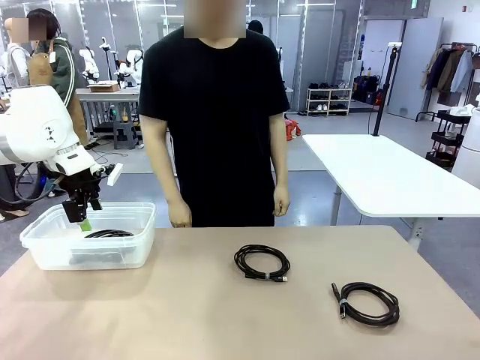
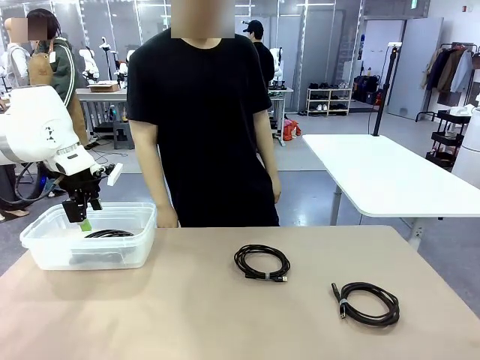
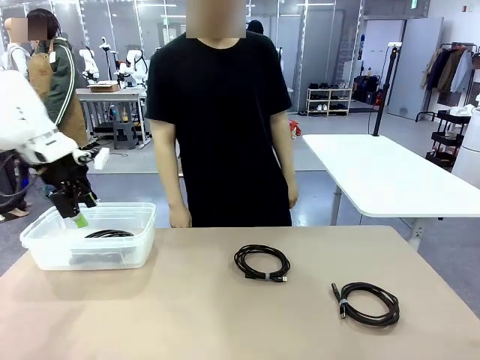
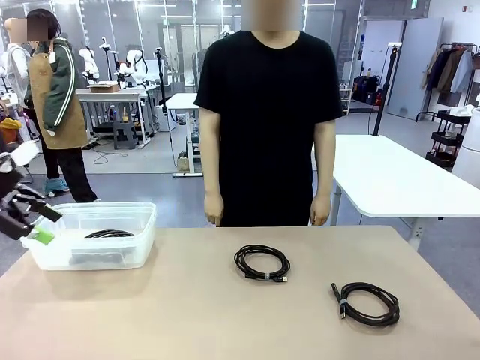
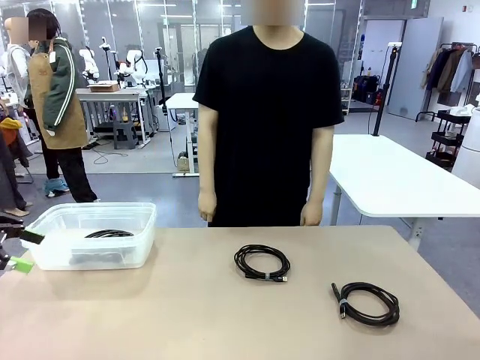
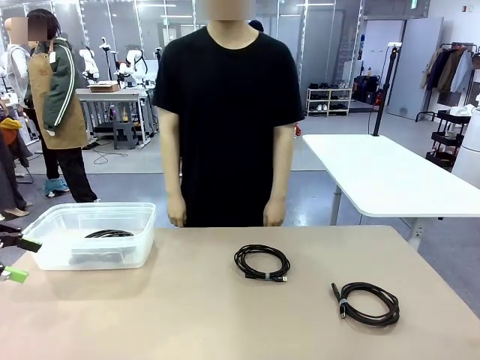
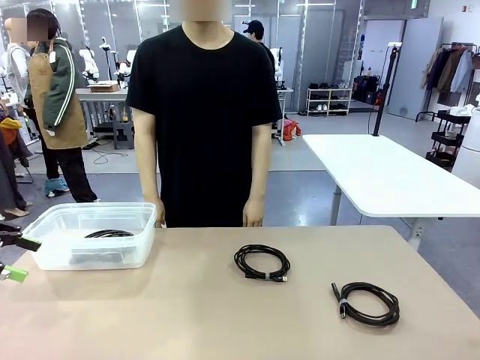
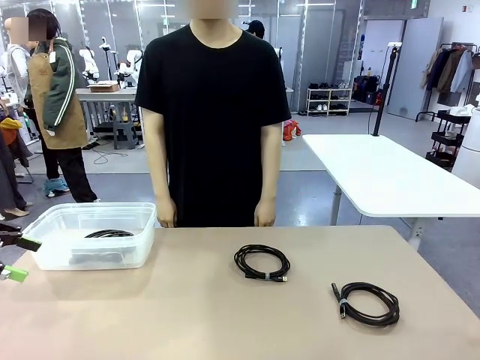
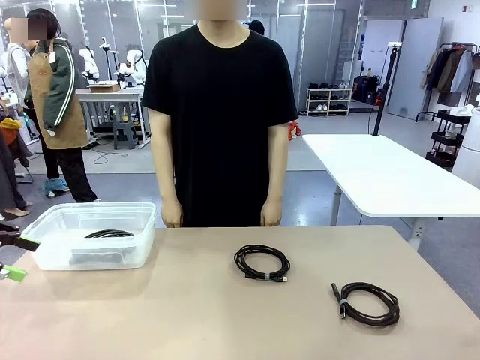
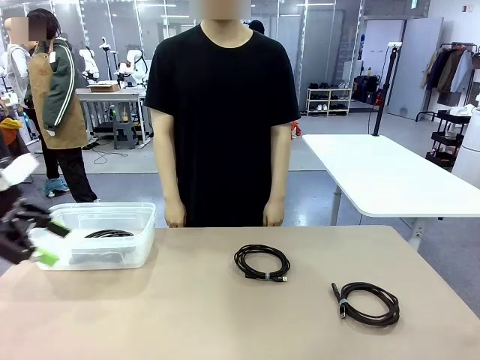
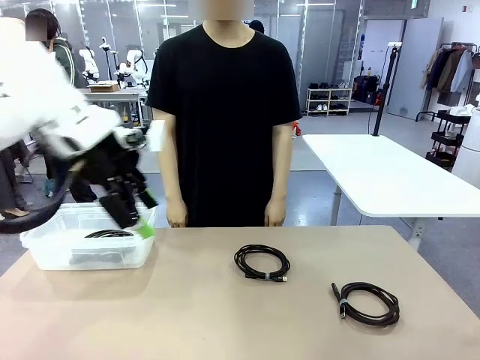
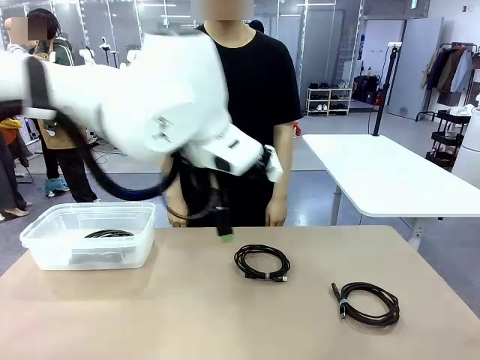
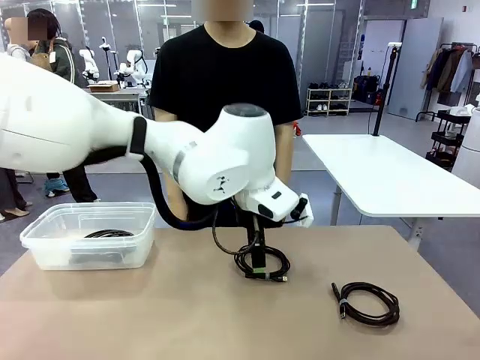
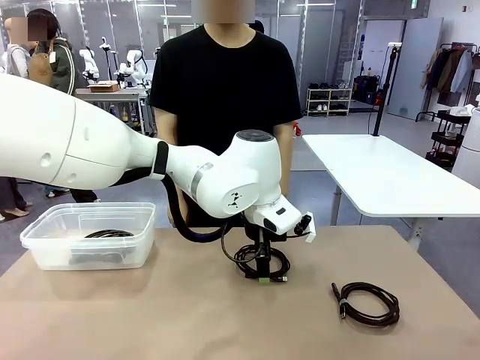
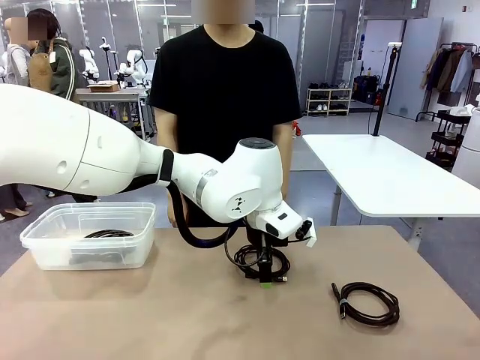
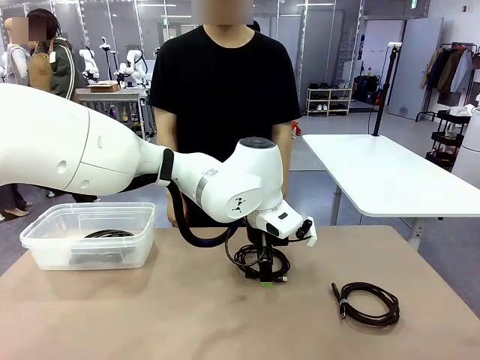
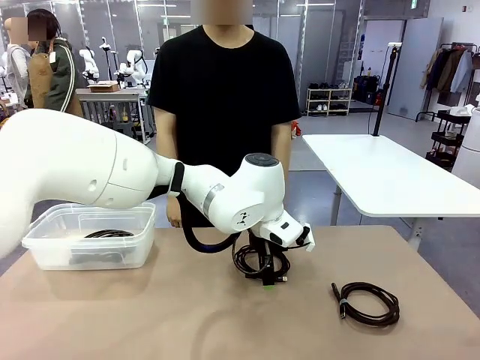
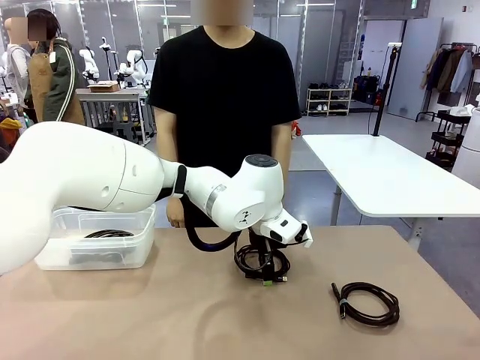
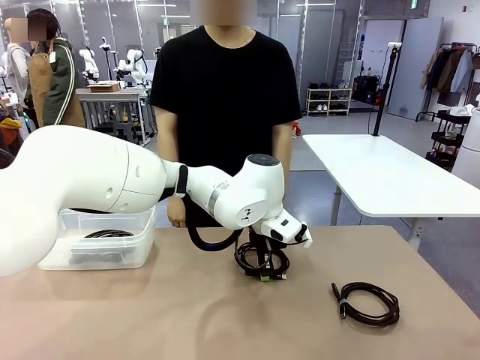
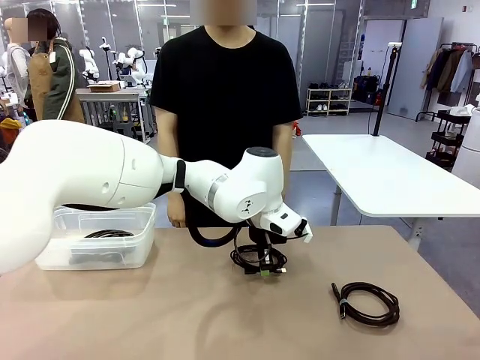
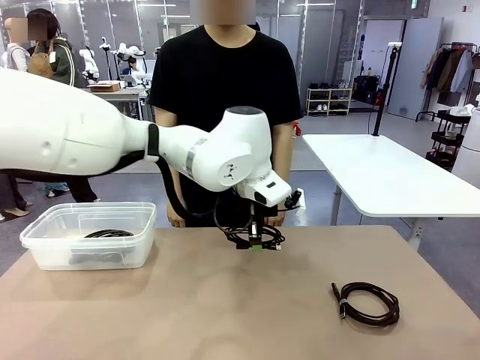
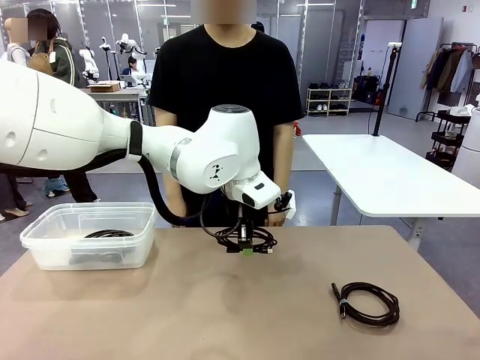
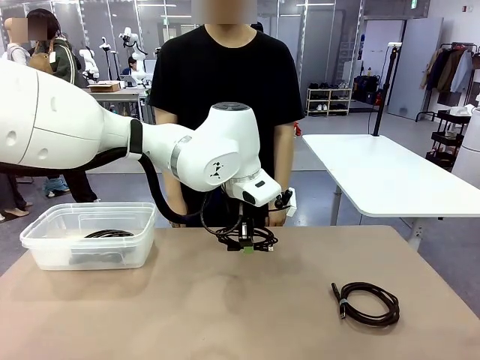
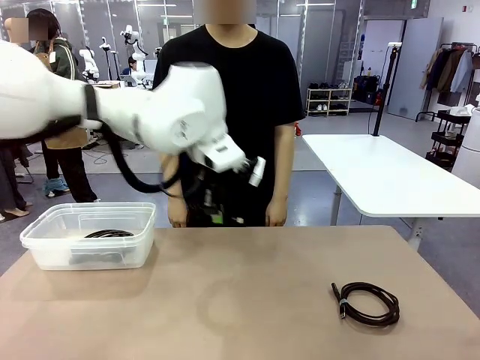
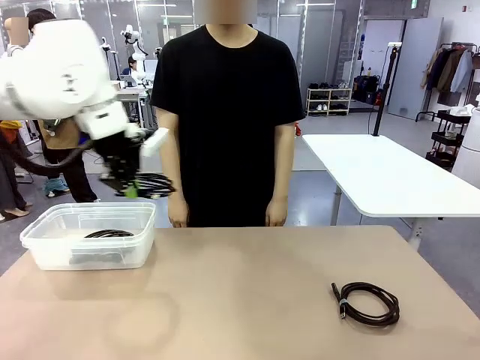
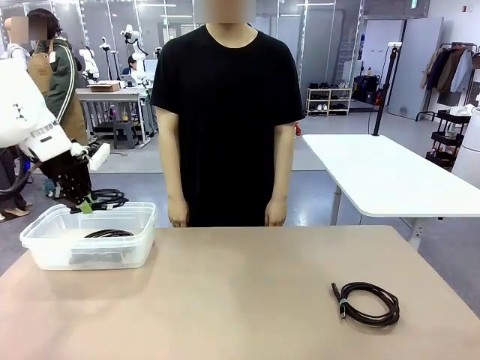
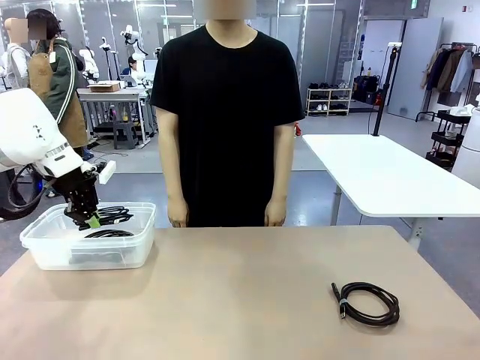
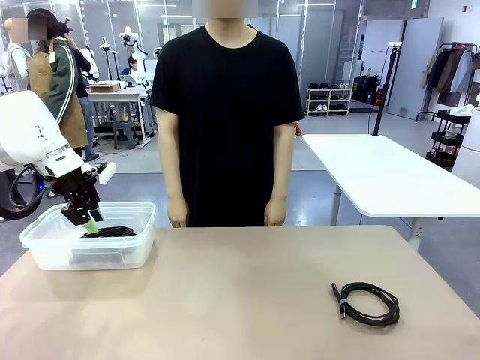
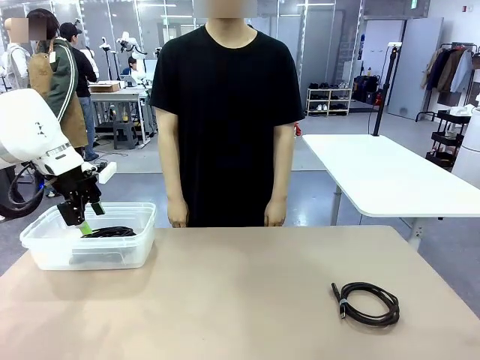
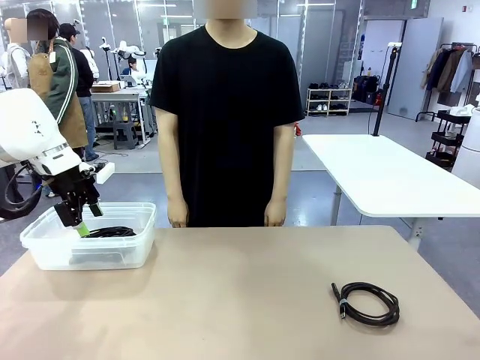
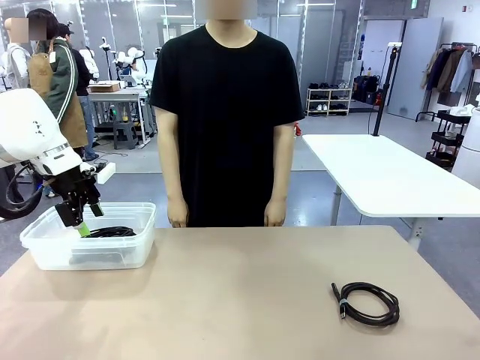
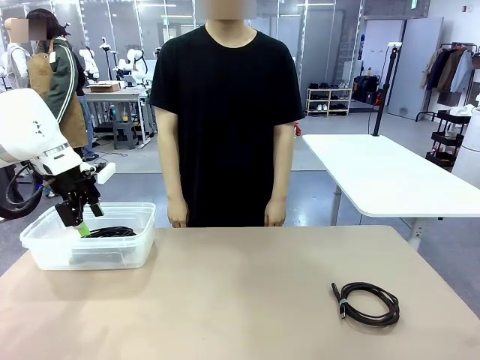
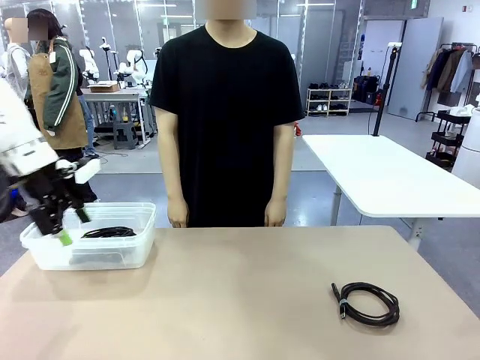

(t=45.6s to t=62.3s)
Task: Organize and store the cables.
Robot: Place the USB Extension Cable into the Organizing box.
